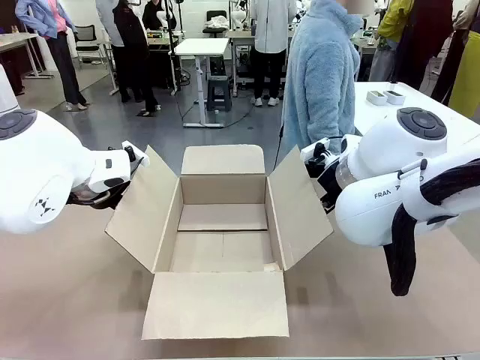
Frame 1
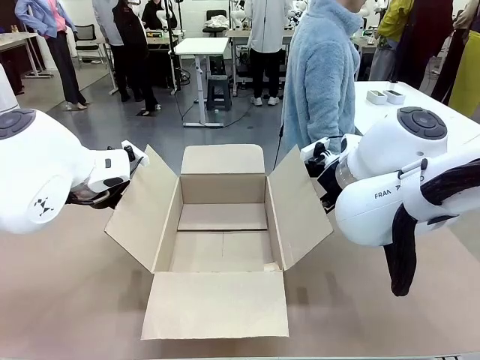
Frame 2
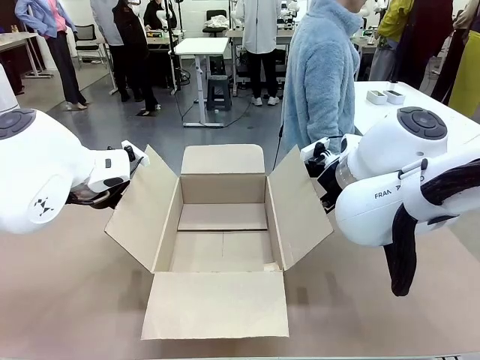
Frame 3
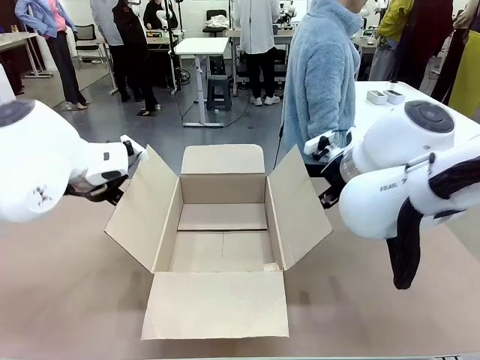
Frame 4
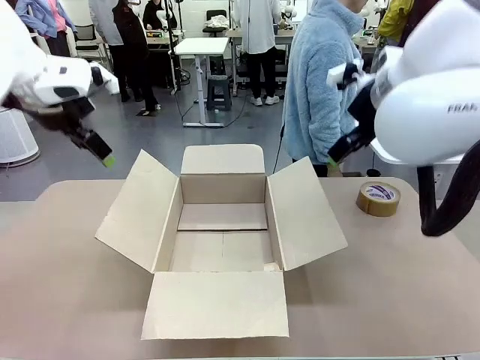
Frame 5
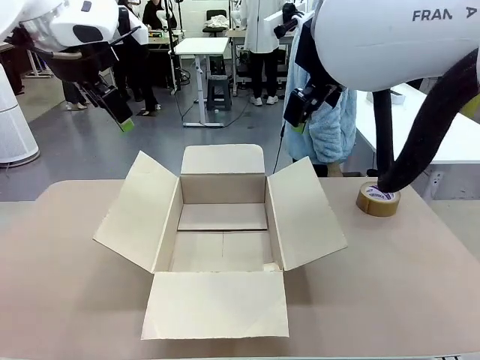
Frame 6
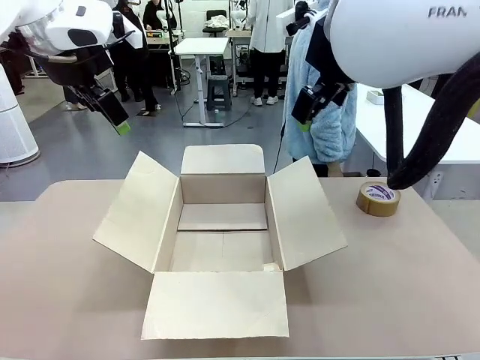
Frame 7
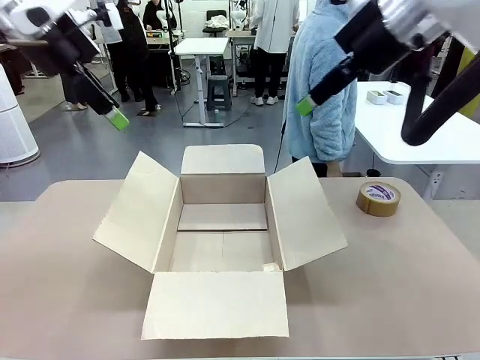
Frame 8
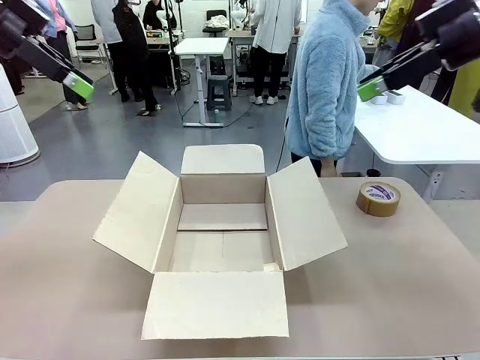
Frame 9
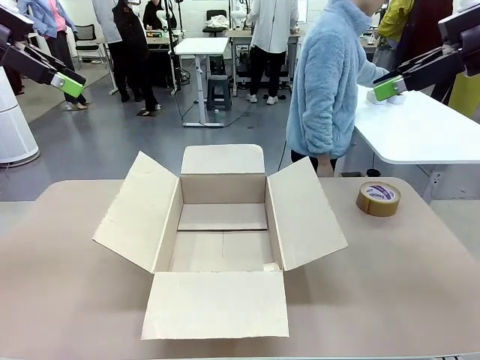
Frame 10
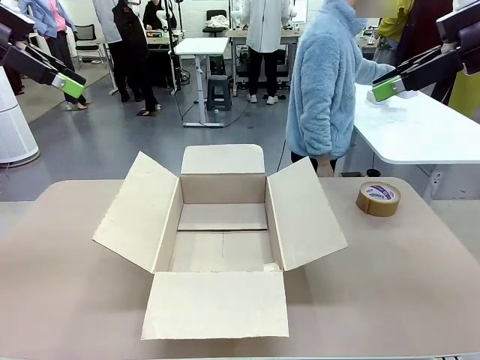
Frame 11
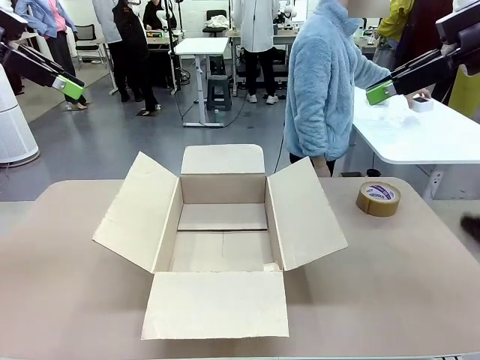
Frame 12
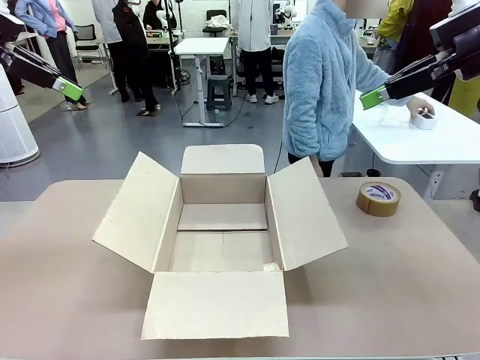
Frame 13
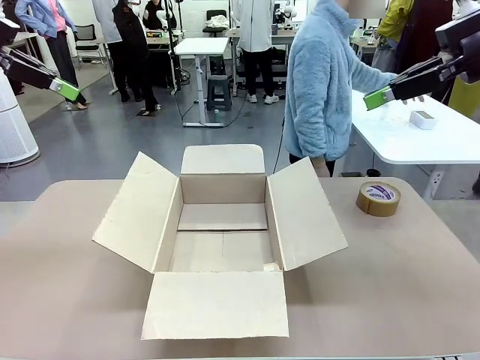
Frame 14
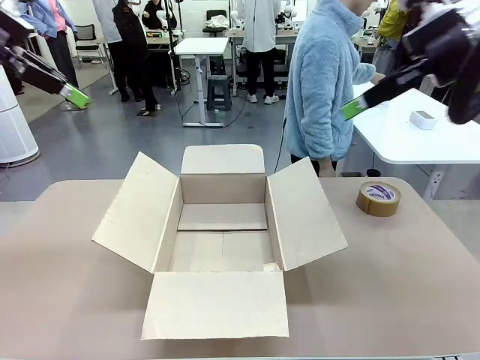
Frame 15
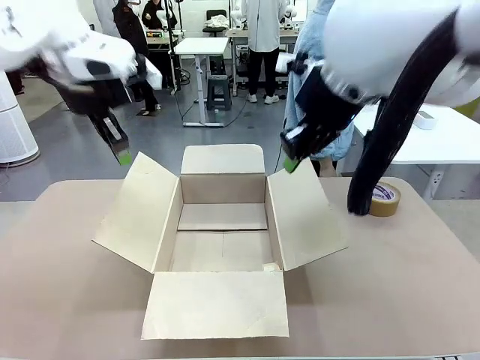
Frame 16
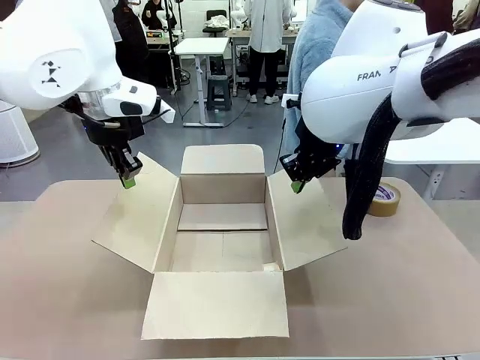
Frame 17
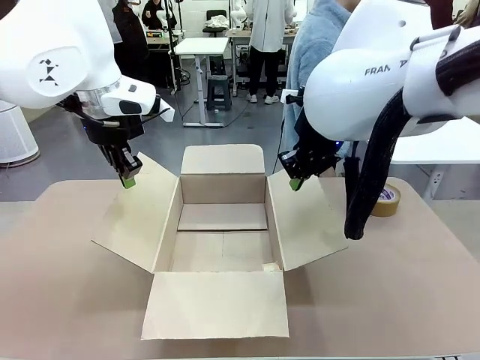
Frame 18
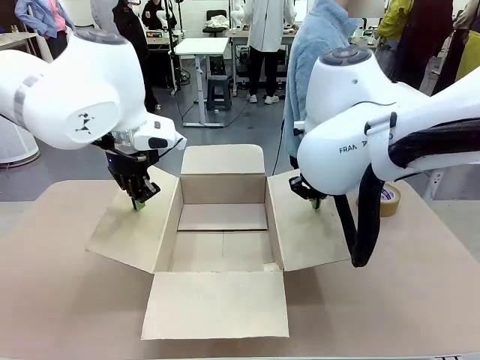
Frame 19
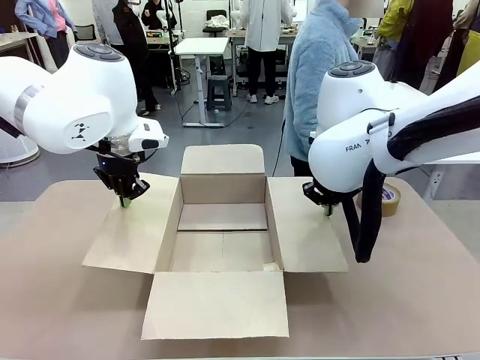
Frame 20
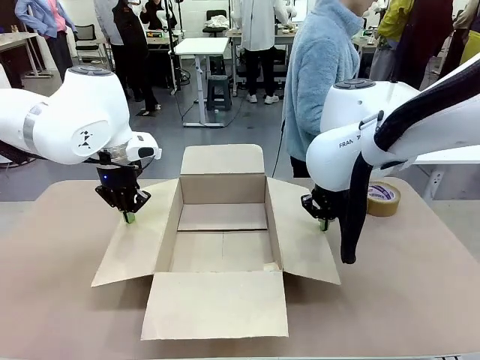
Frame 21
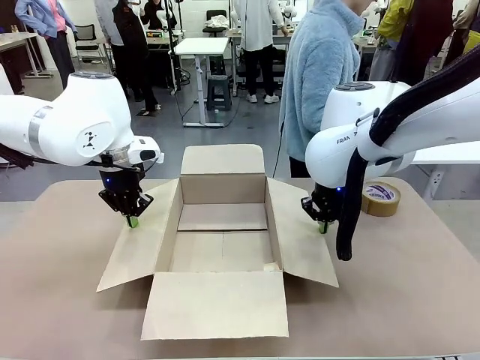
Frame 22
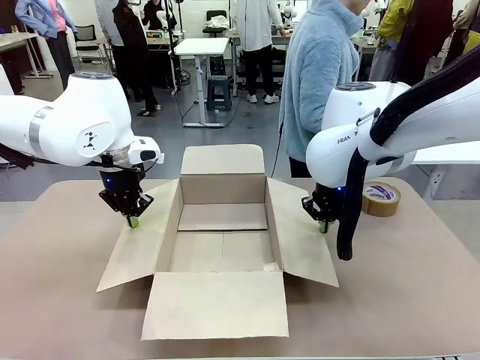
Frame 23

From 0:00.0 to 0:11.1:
Task: Wrap the clocks to prevent damage.
Robot: Open the side flaps of the Package Box.

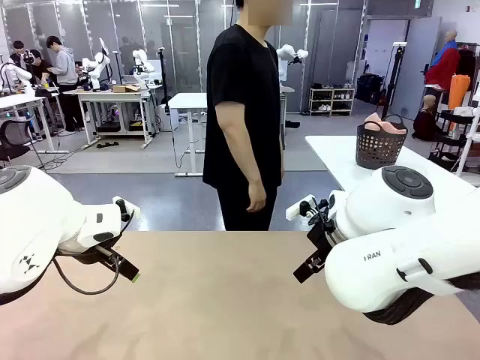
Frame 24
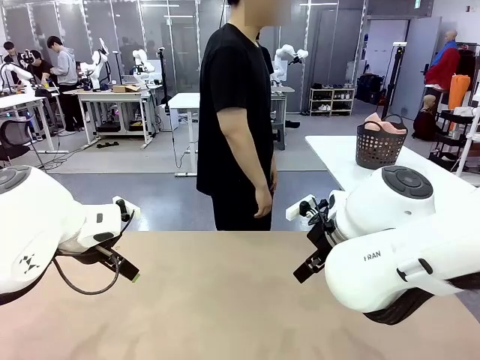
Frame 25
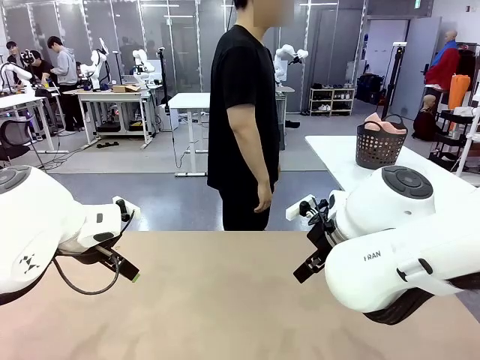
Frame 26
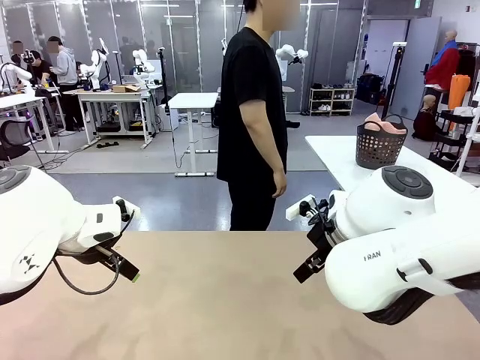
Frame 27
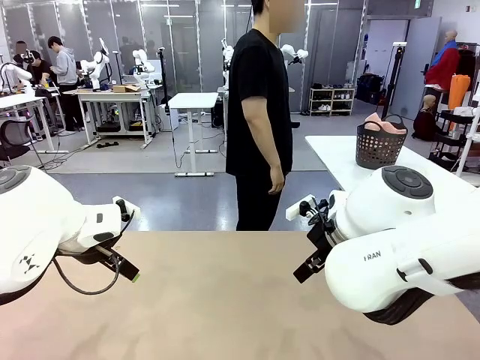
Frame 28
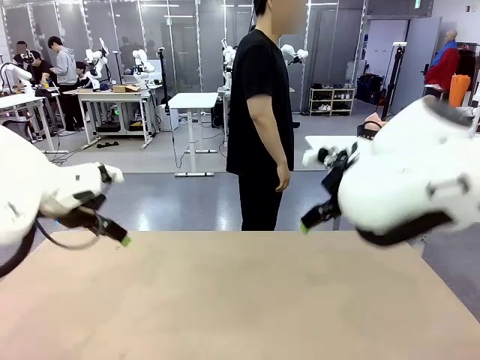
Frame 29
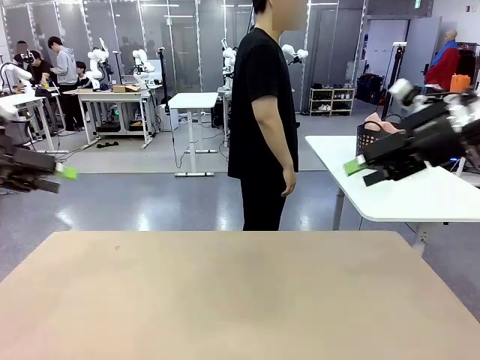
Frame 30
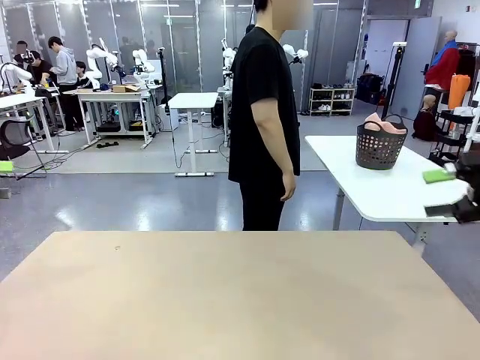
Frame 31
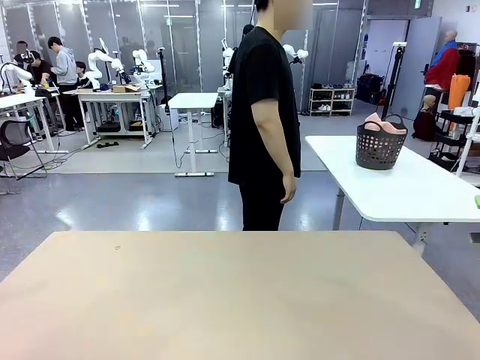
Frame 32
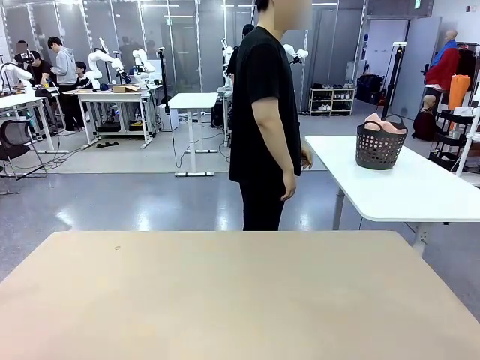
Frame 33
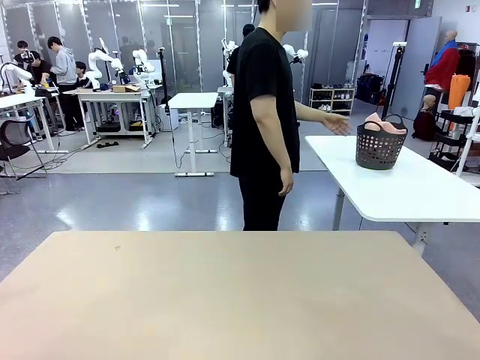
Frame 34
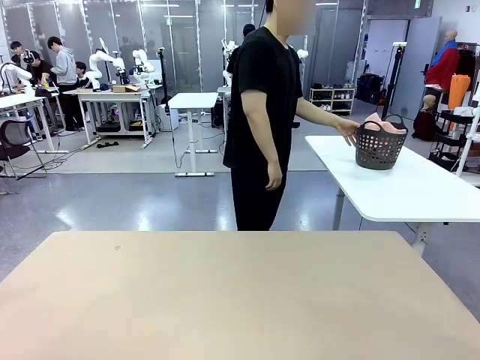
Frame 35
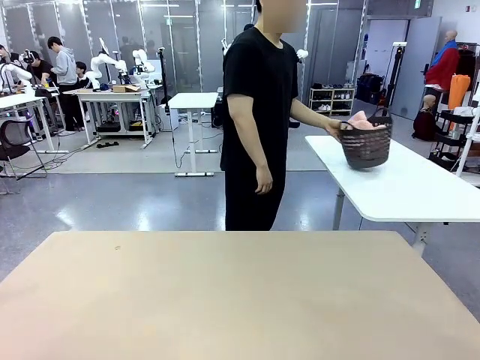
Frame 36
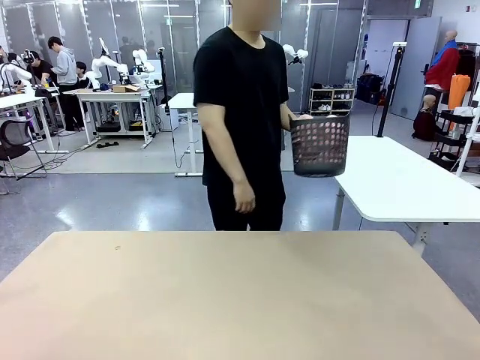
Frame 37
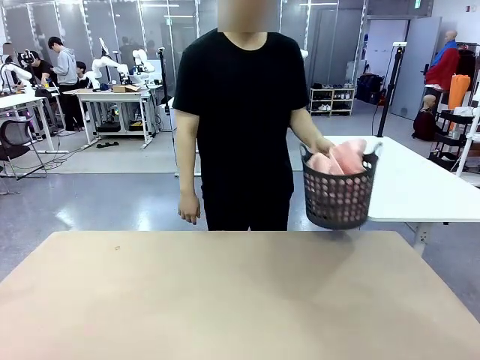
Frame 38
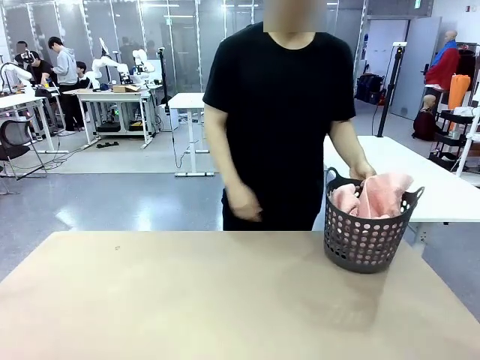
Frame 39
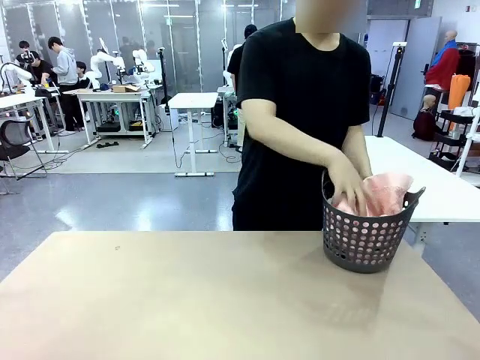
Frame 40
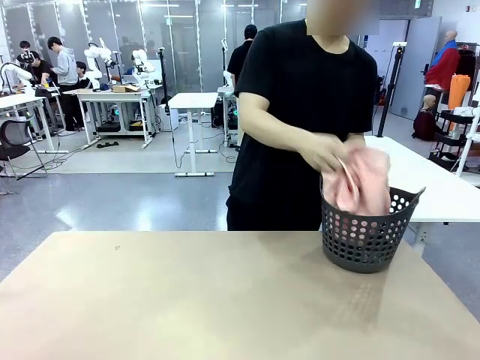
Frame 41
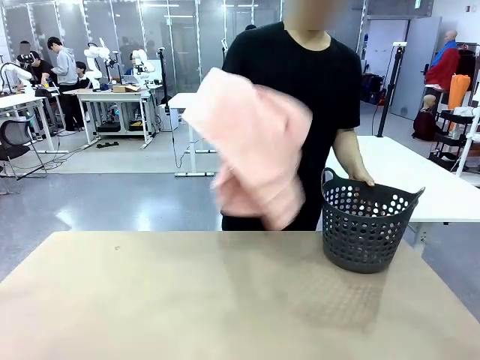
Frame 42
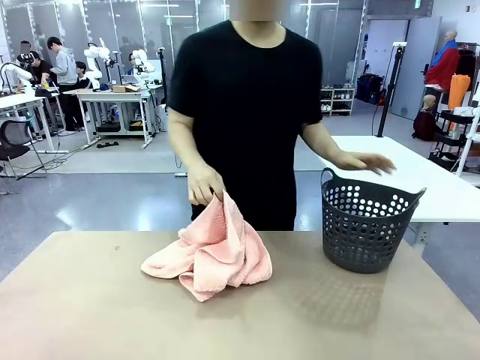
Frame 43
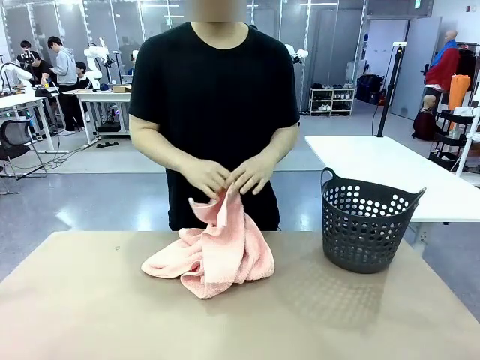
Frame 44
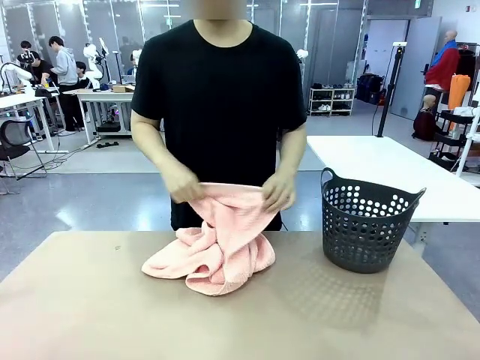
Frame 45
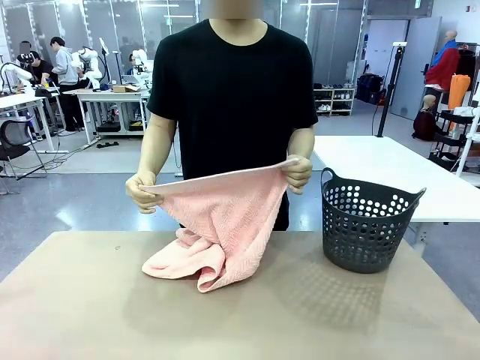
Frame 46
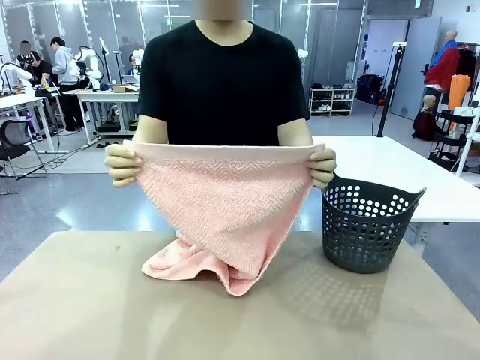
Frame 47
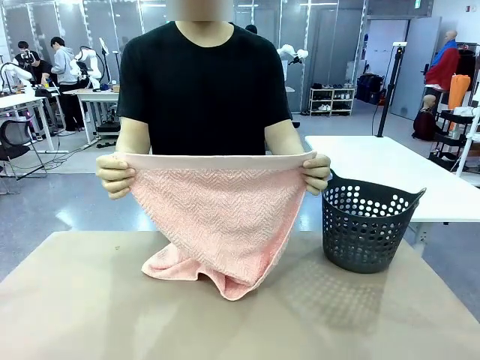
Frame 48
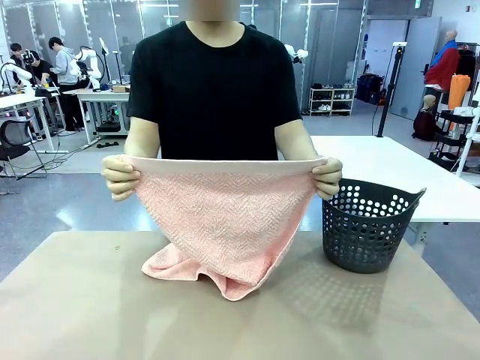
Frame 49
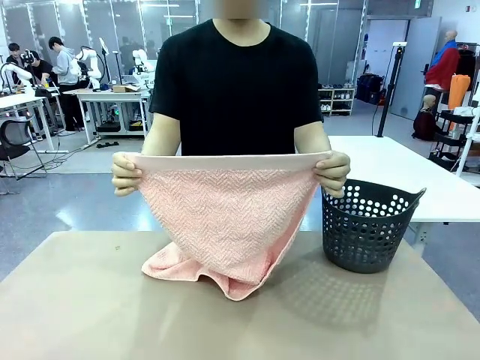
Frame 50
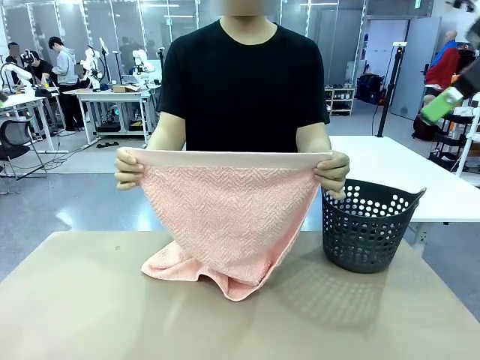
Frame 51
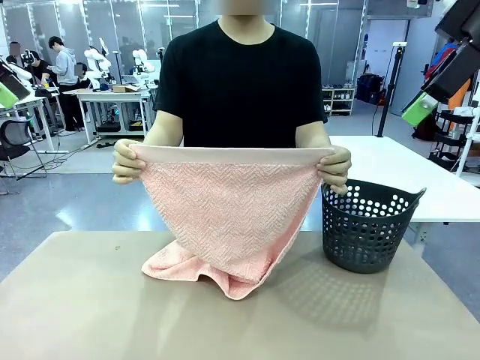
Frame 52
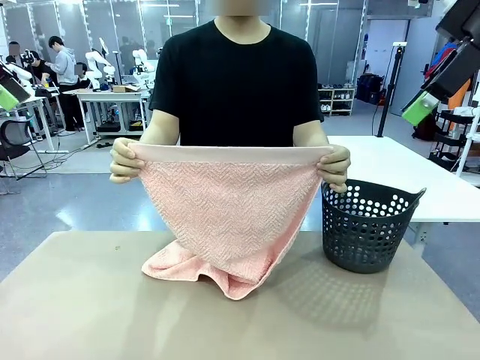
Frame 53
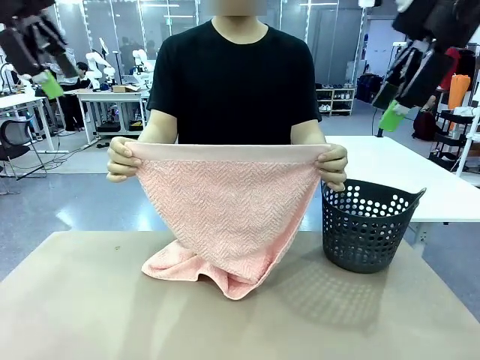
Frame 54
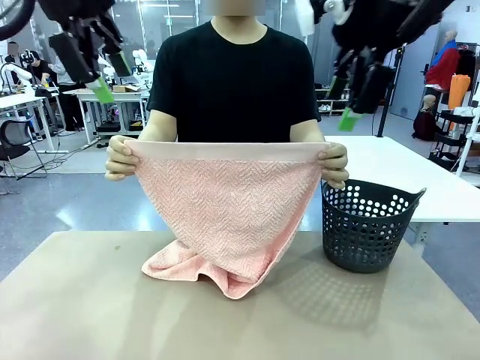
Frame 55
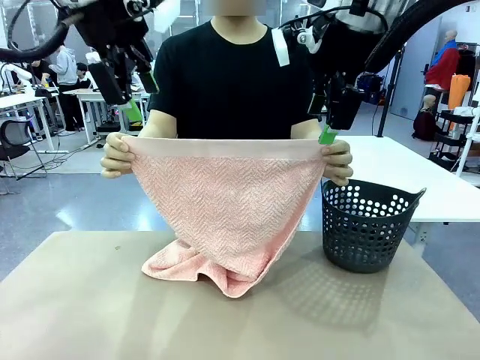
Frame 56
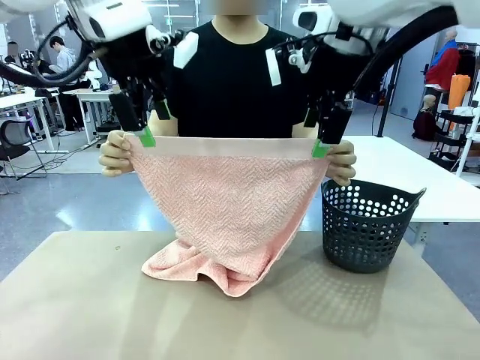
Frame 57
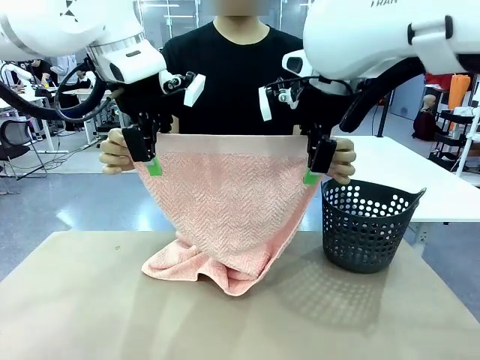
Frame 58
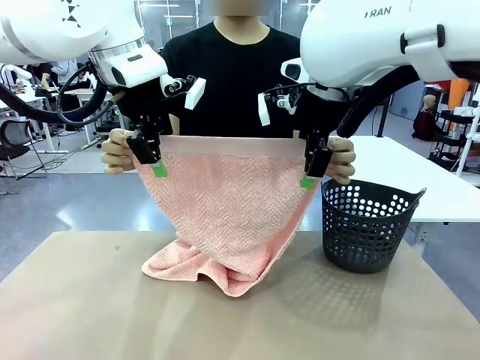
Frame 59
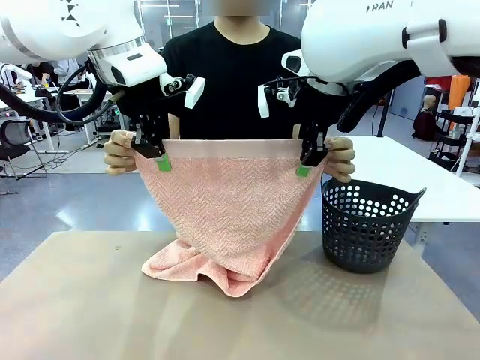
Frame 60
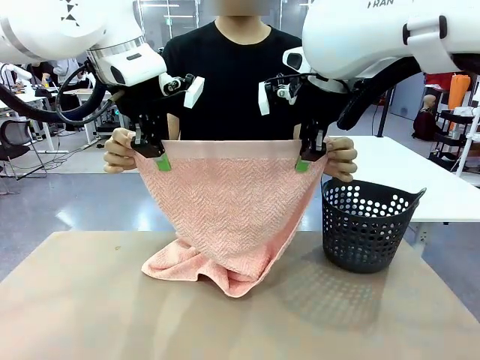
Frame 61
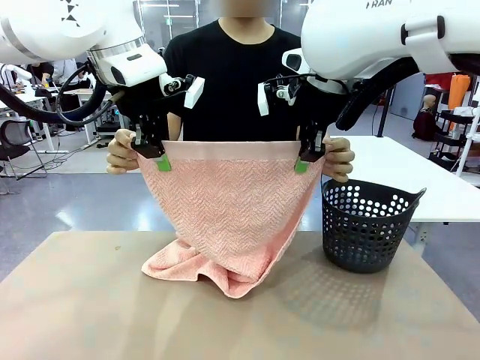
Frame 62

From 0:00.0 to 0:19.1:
Task: Fold the towel.
Robot: Grab the top end of the 100 cm Hotel Towel extended by the human.
Person: Pick up the laundry basket, place it on the left side of the robot table, then take out a towel and hand it to the robot while holding both corners of one end.
